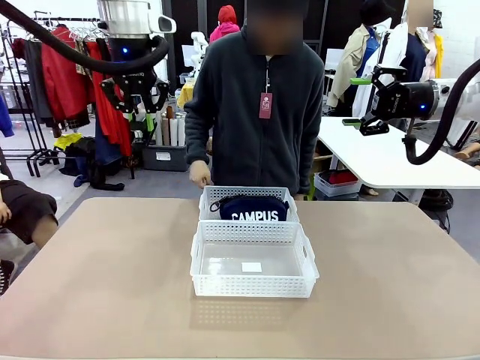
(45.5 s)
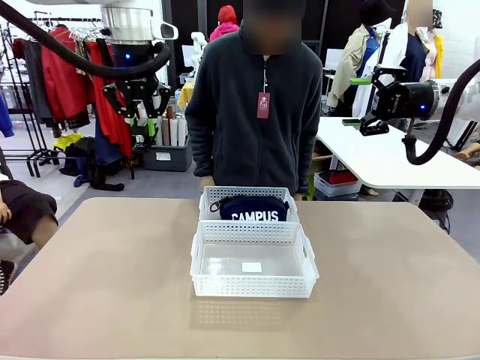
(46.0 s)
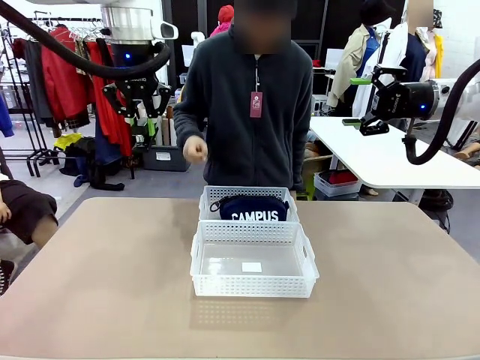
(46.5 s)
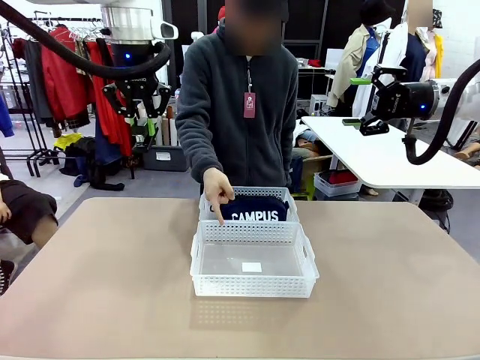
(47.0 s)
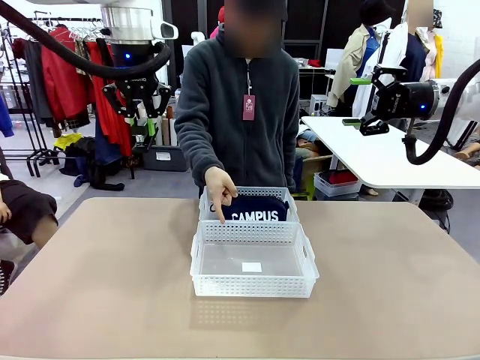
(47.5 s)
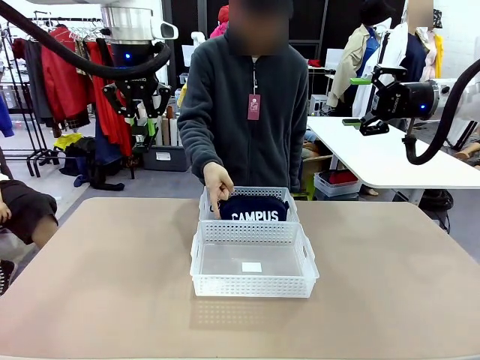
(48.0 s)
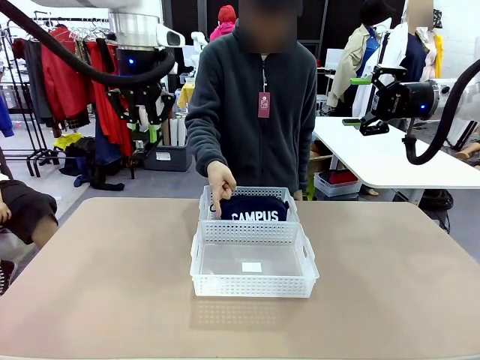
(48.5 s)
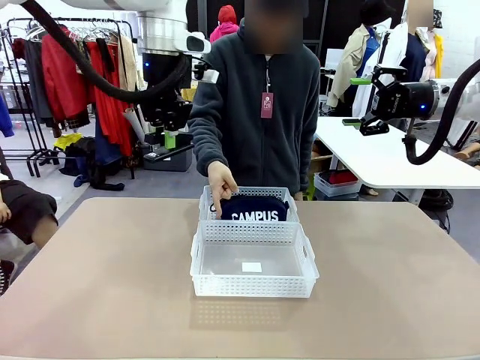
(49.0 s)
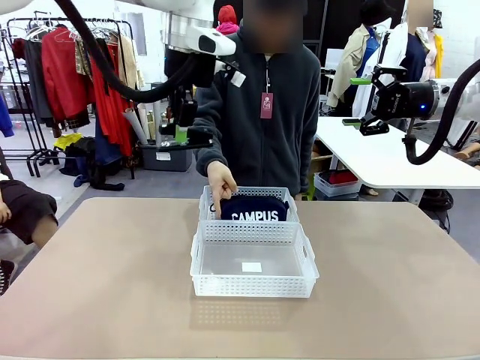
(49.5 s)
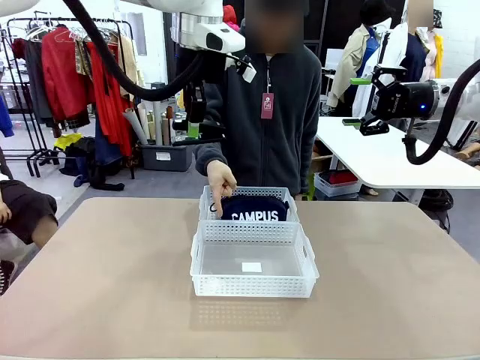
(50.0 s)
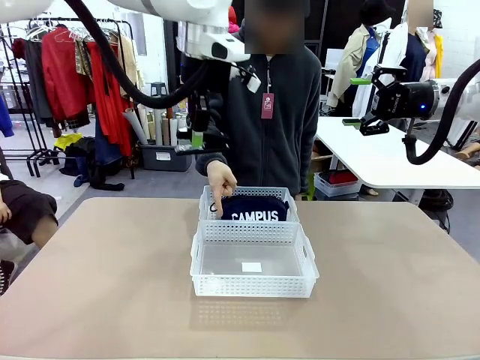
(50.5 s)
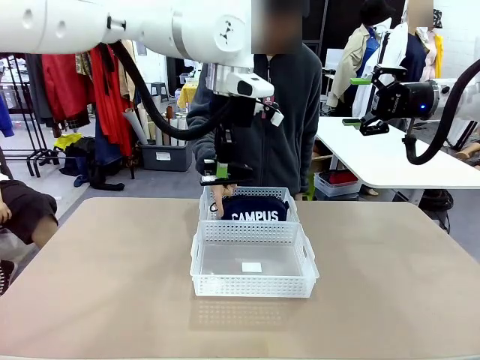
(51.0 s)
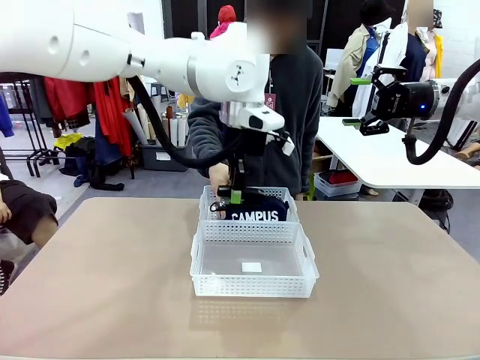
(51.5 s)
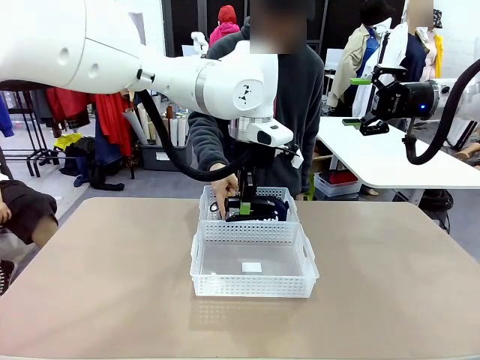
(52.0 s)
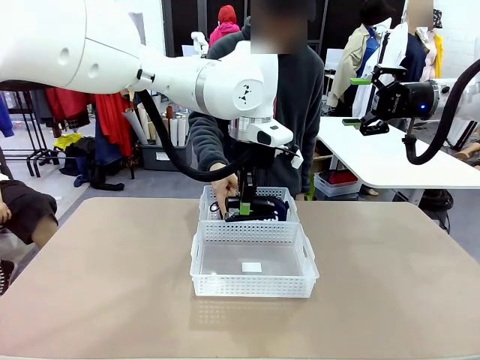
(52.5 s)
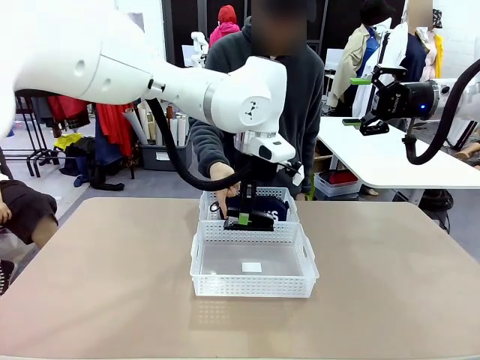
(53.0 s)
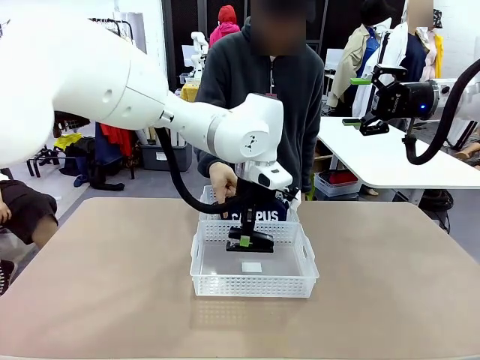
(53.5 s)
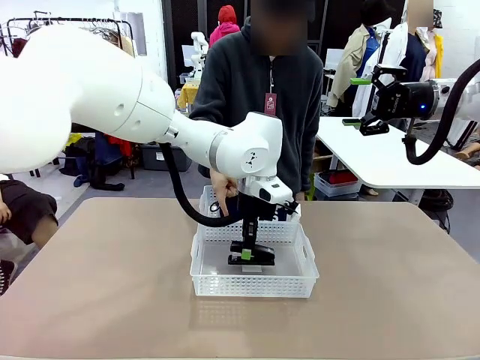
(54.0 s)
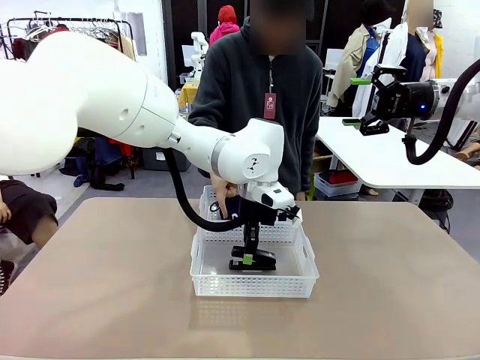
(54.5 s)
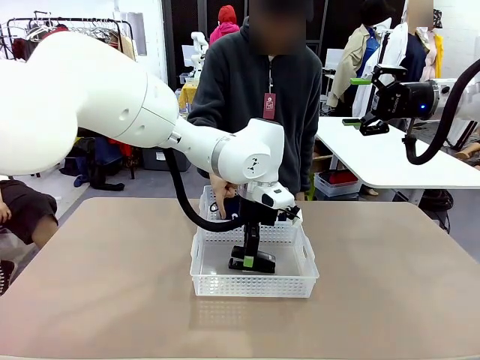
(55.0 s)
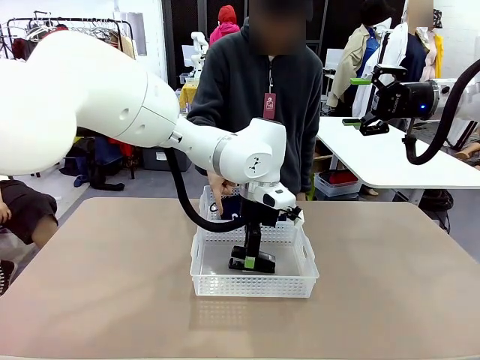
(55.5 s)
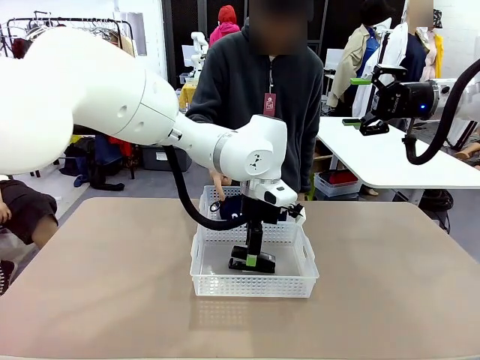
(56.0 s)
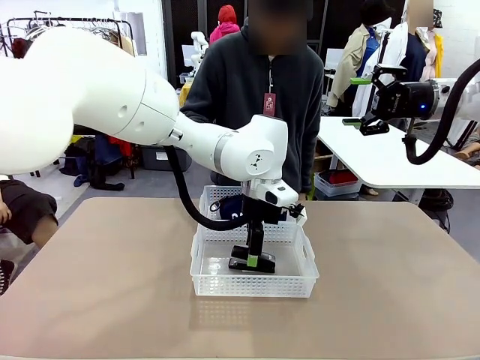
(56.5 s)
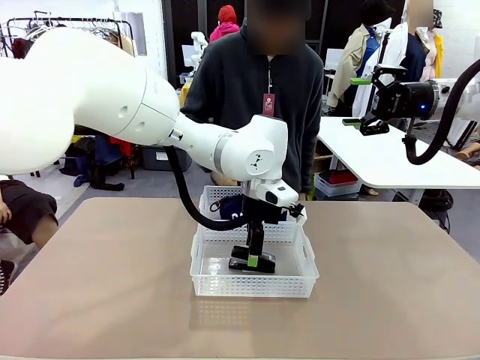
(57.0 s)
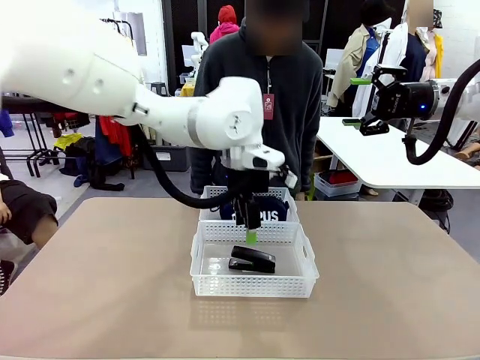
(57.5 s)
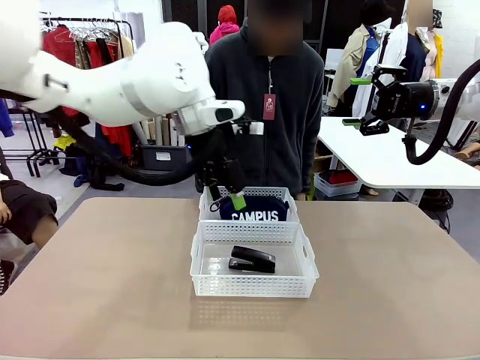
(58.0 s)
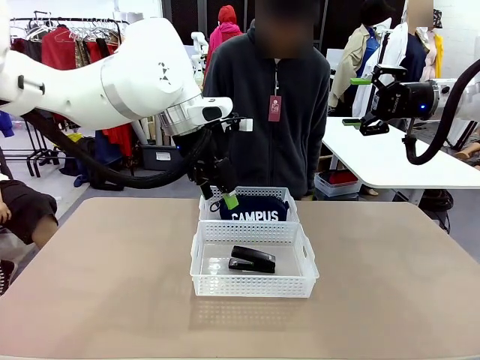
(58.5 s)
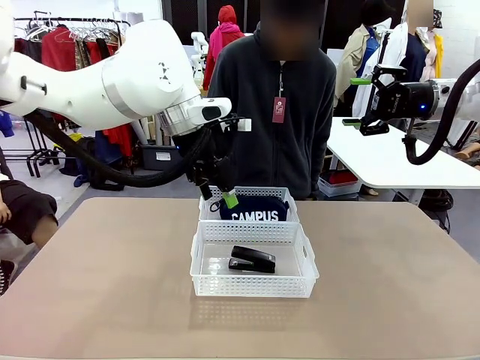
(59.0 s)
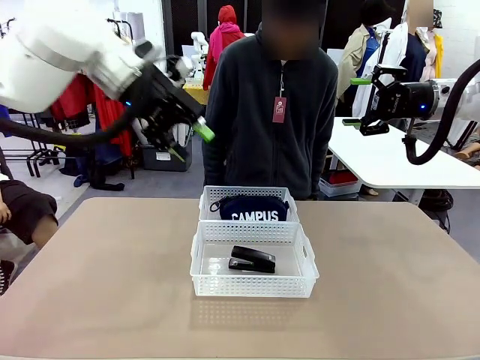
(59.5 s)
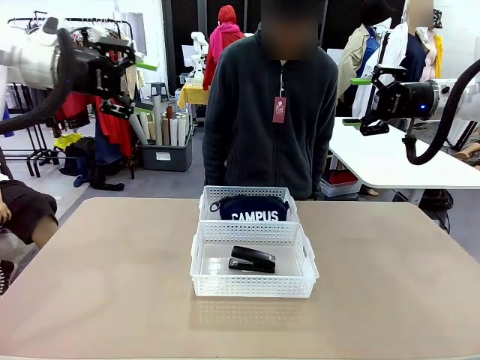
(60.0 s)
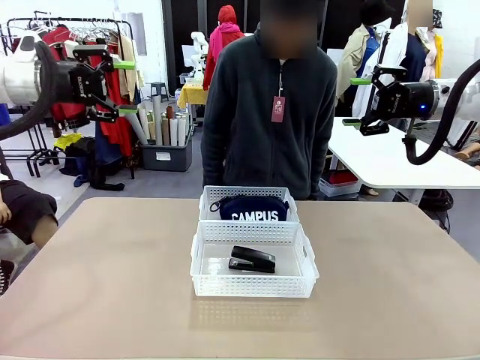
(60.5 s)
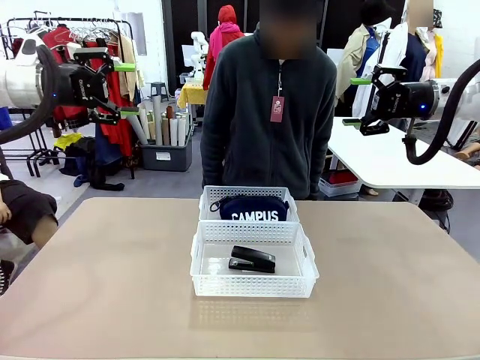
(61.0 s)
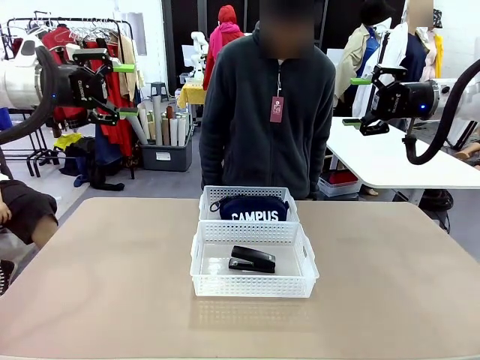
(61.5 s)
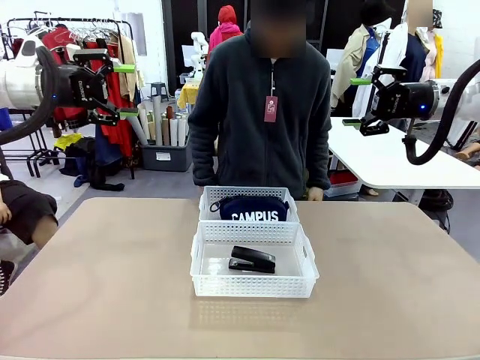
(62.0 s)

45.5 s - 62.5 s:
Task: Distribute items into two baskets.
Robot: Place the picked Stapler into the Organizing basket as instructed by the person.
Person: Points to the basket that does not contain the pencil case and instructs the robot to move the stapler there.

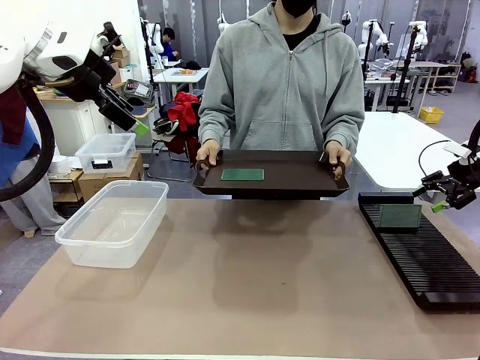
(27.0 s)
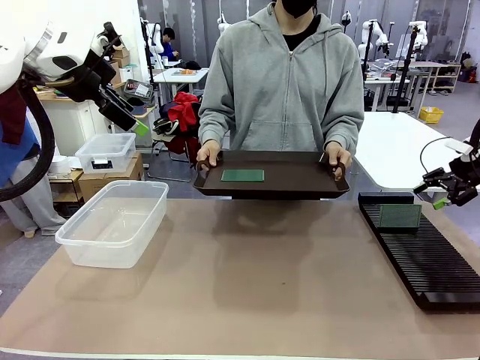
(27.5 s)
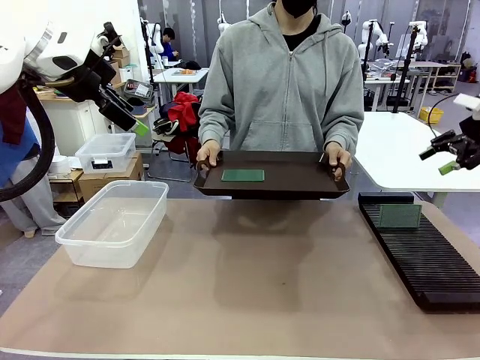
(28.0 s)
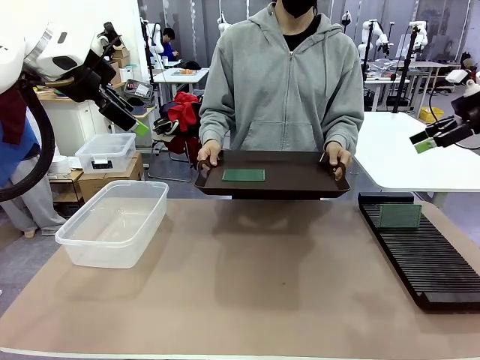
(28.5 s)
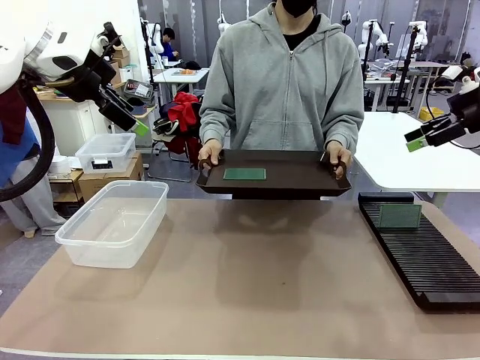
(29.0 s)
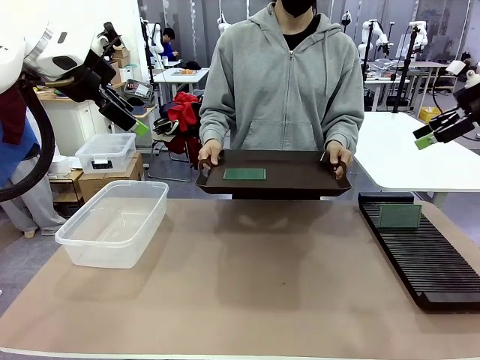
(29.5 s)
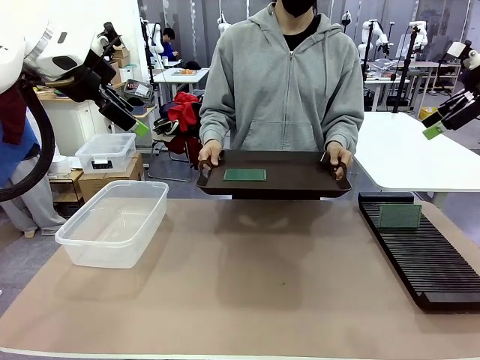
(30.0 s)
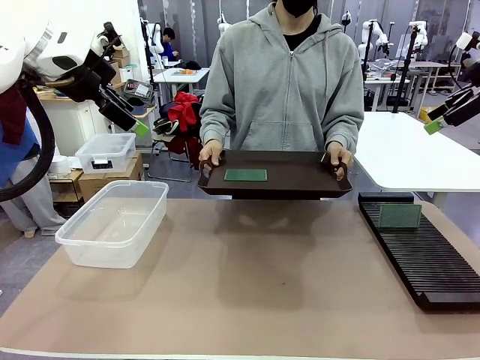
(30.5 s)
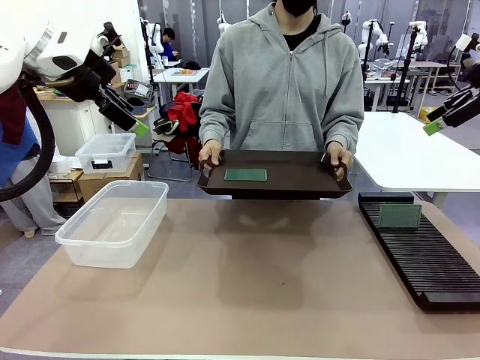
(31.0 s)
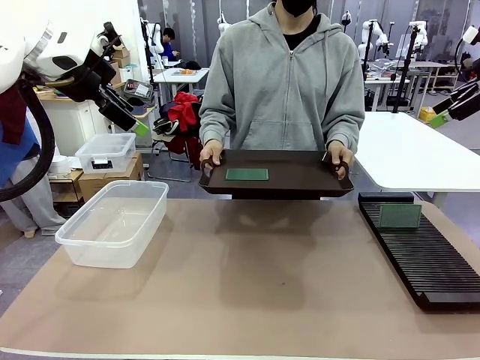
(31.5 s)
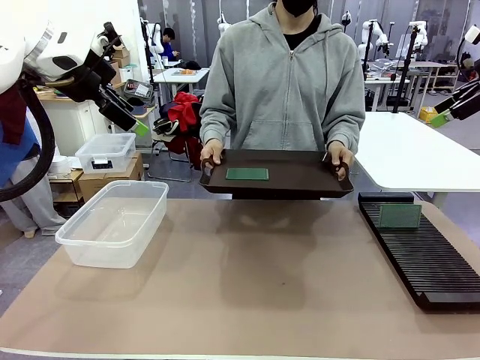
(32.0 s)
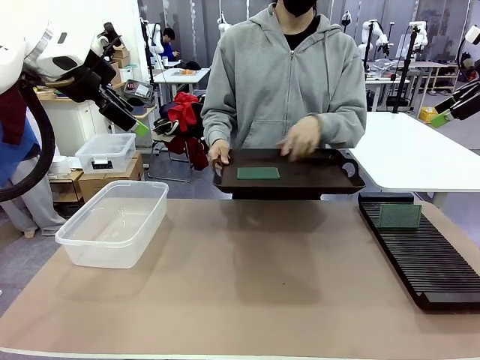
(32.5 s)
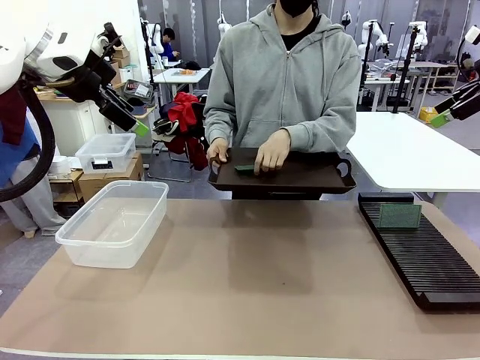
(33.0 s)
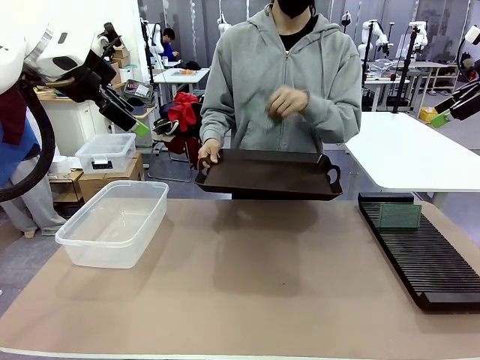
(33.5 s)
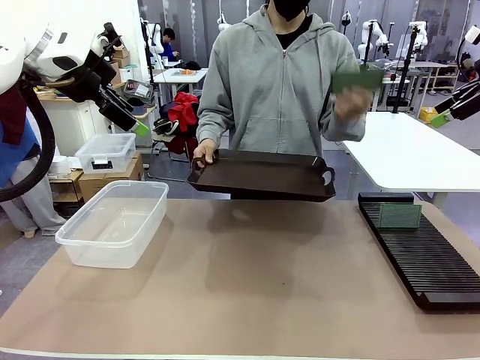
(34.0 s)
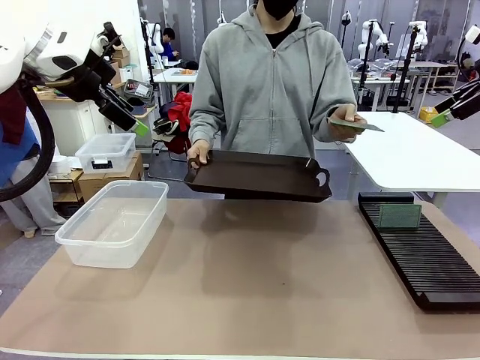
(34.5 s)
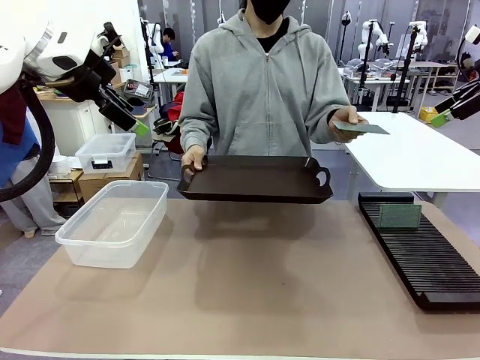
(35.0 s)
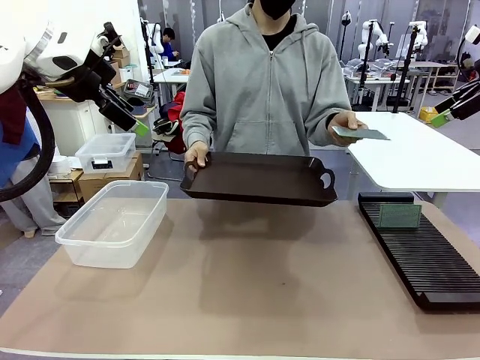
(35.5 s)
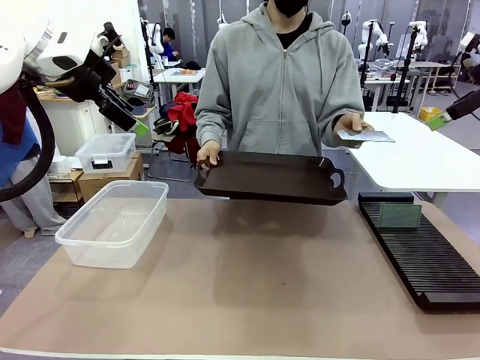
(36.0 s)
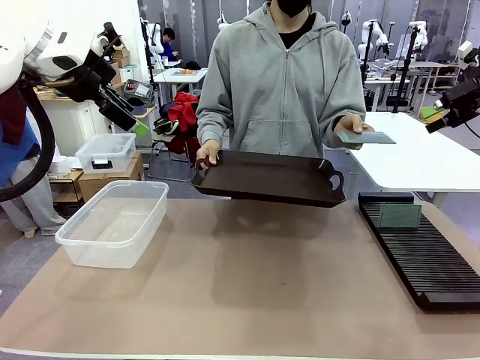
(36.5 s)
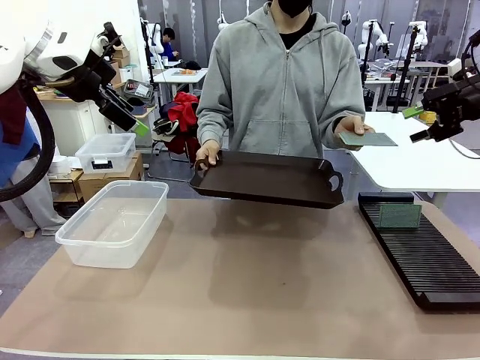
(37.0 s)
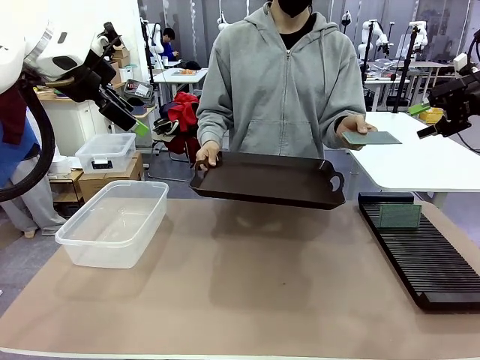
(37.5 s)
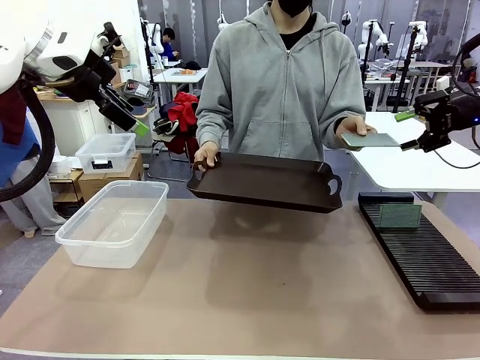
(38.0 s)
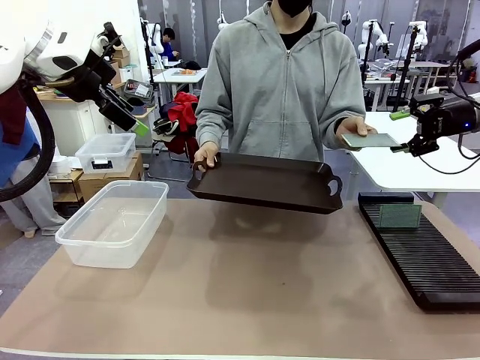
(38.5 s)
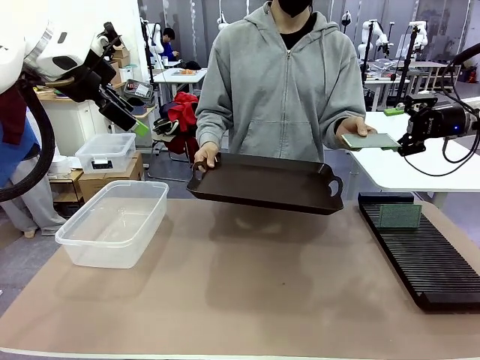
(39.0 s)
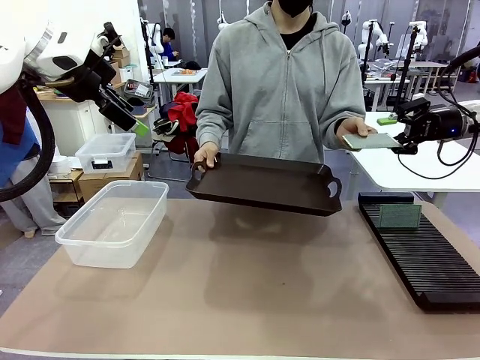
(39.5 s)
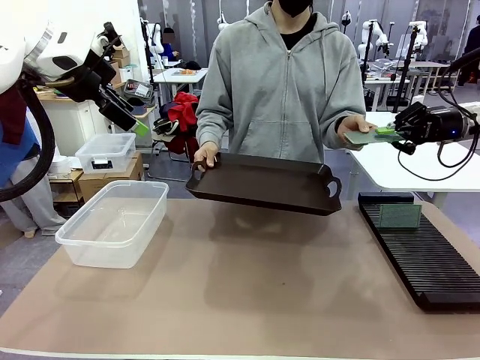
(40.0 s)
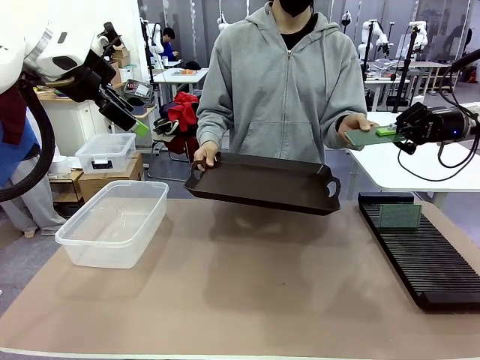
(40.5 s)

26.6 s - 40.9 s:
Task: Sort PCBs into racks and boxes based on the side picked up.
Robot: Pick up the Blank PCB handed by the Human.
